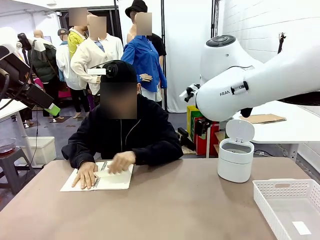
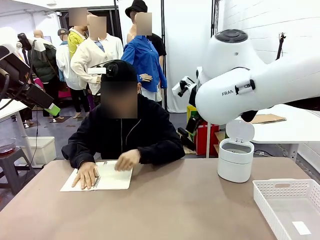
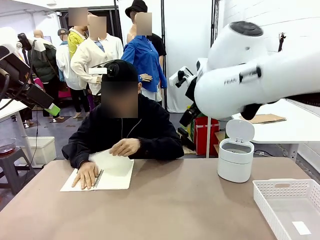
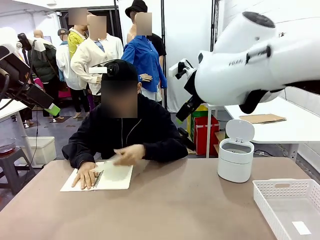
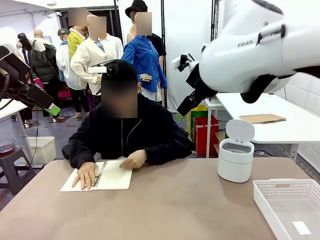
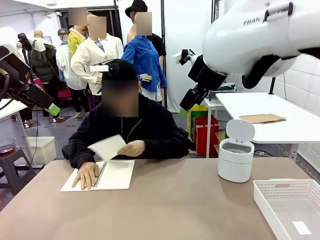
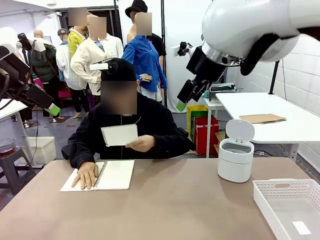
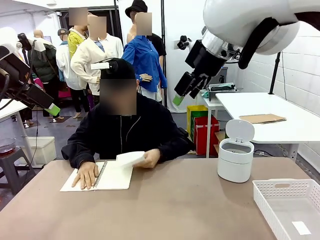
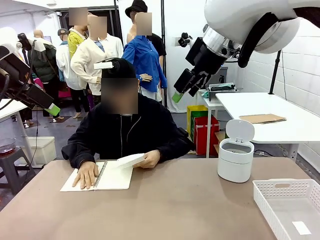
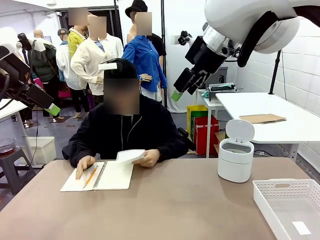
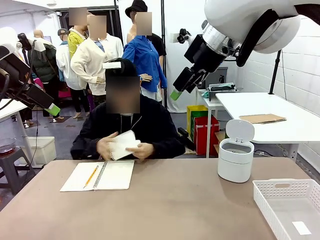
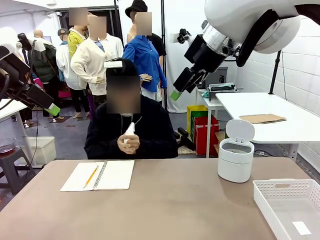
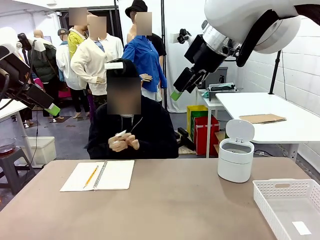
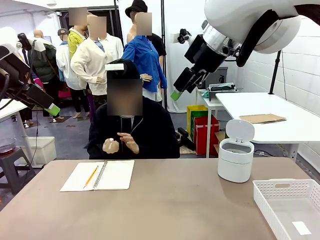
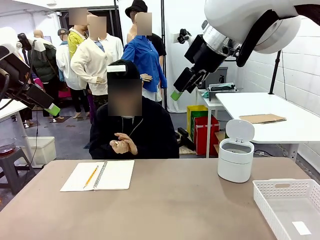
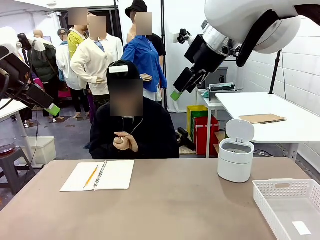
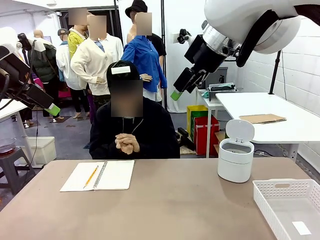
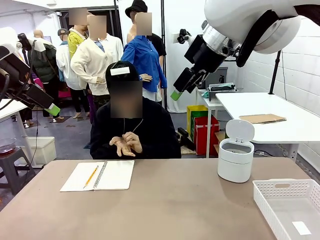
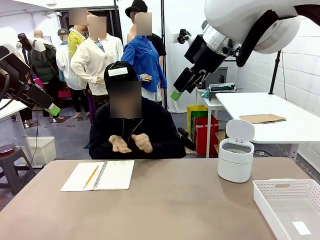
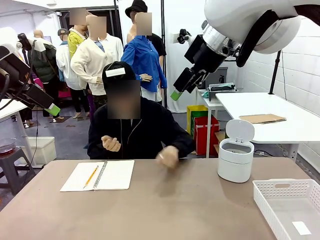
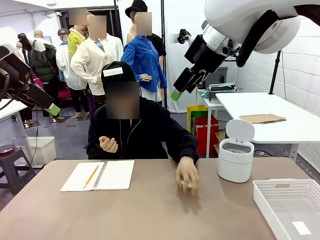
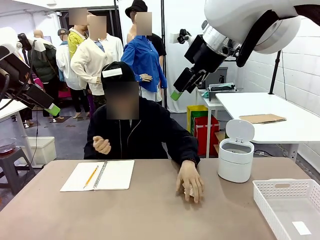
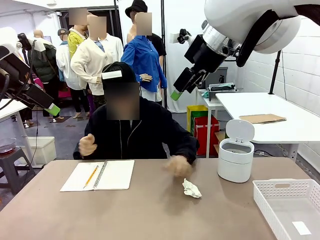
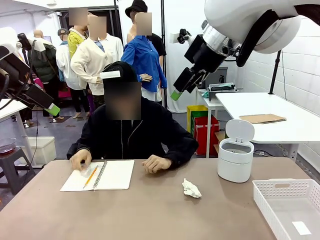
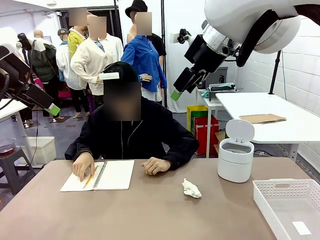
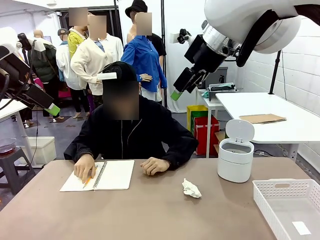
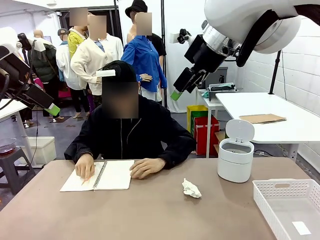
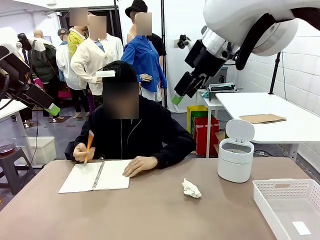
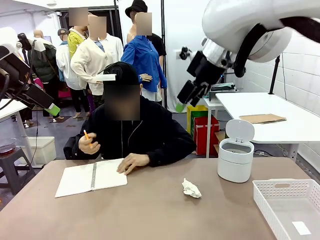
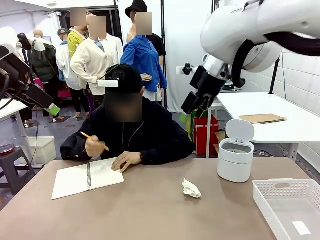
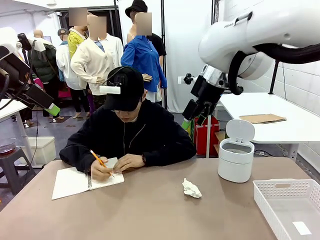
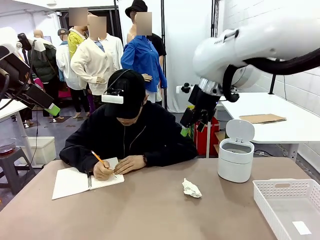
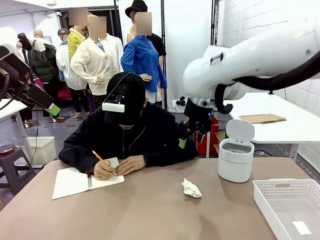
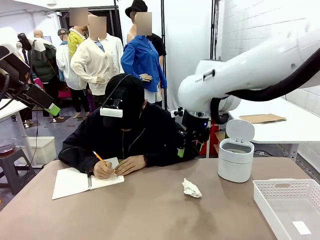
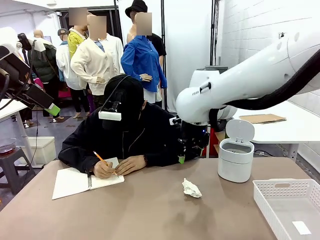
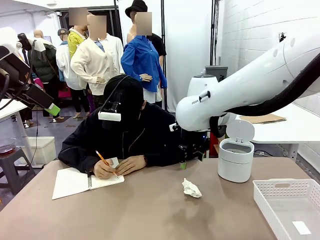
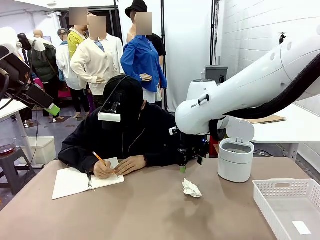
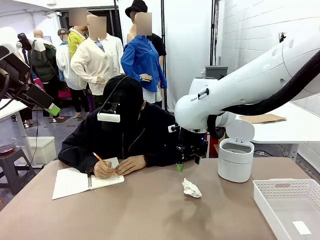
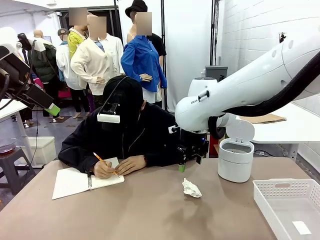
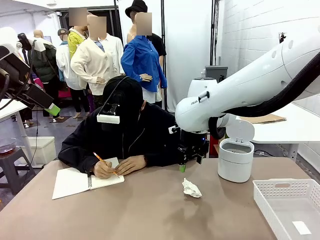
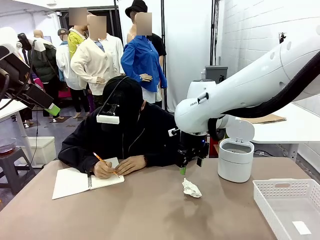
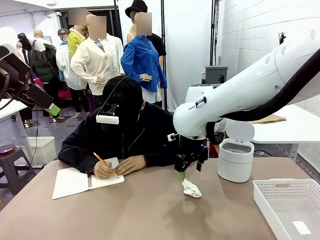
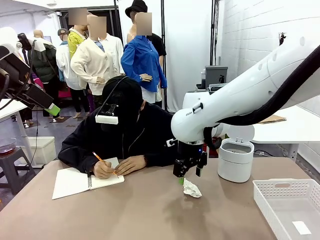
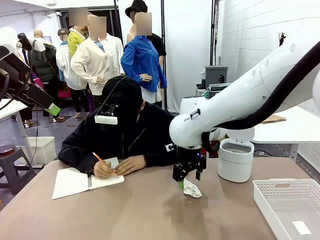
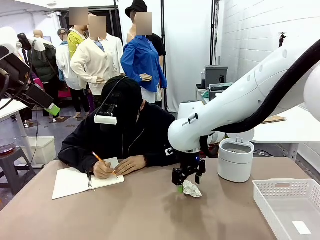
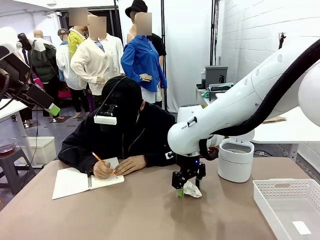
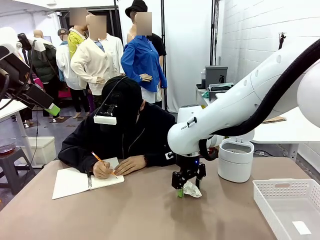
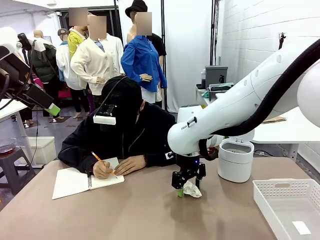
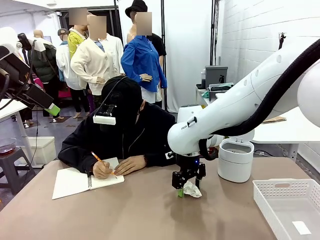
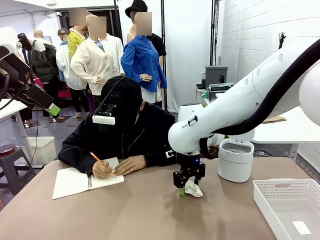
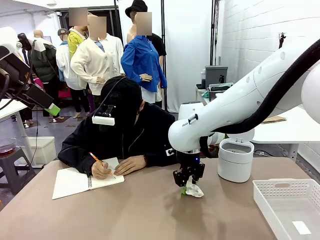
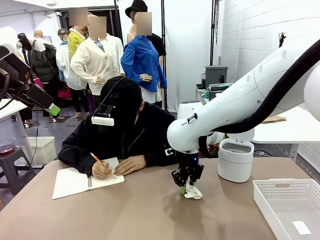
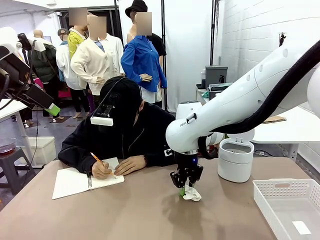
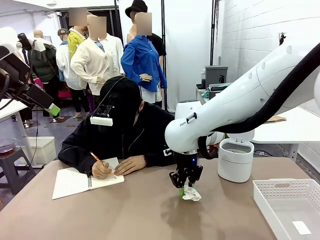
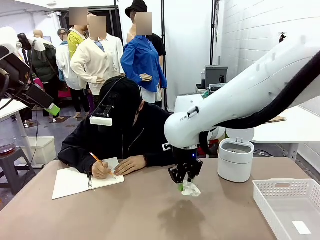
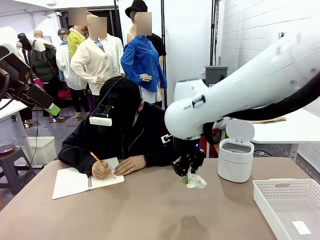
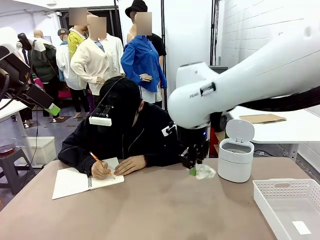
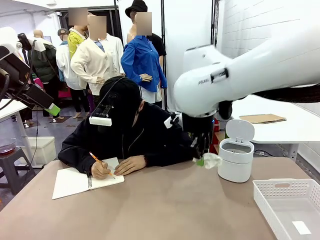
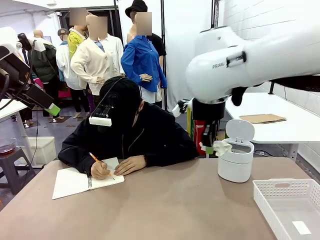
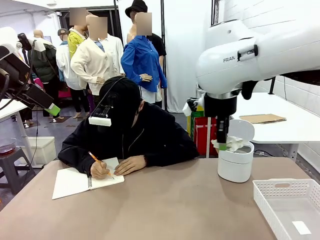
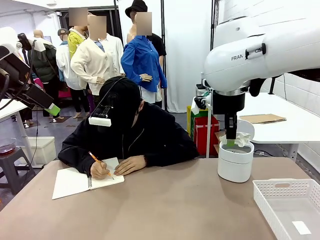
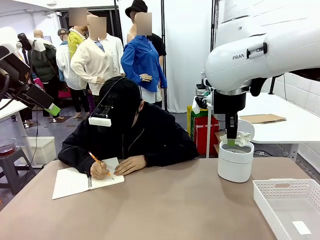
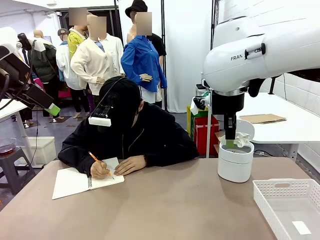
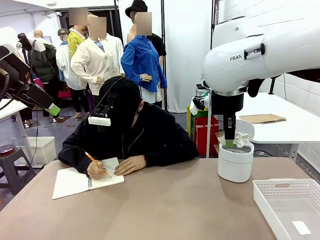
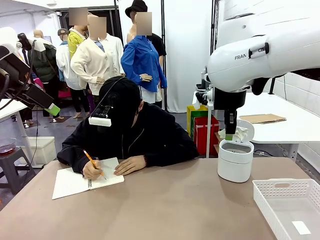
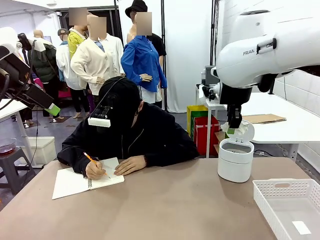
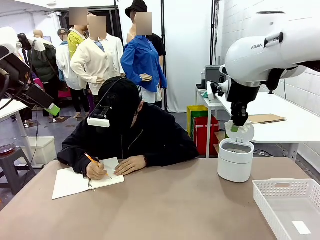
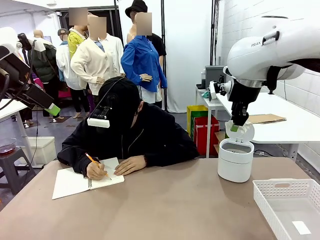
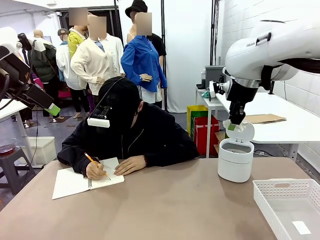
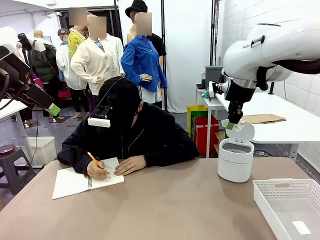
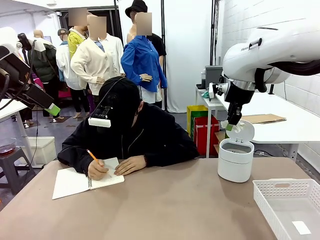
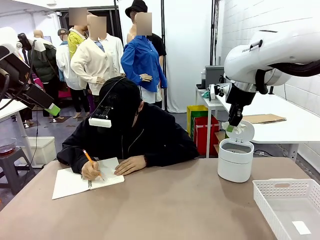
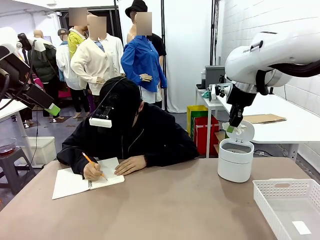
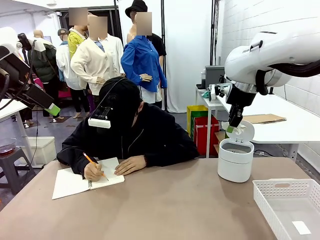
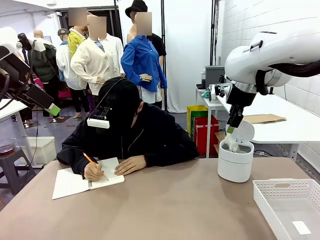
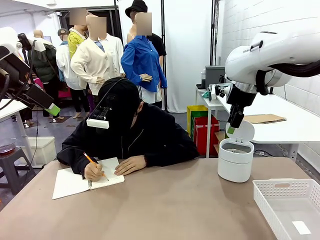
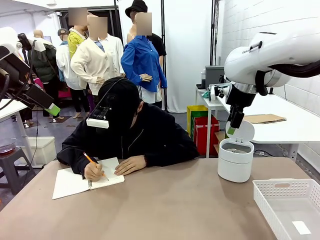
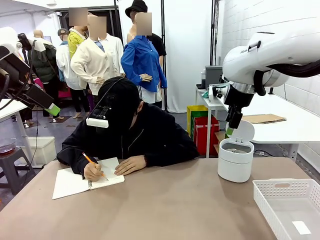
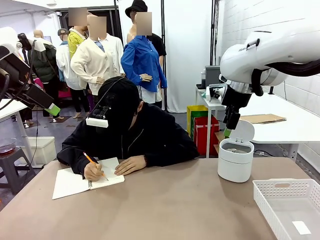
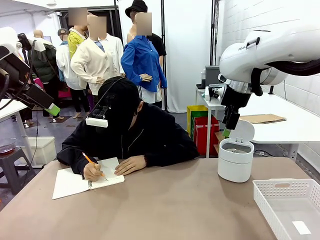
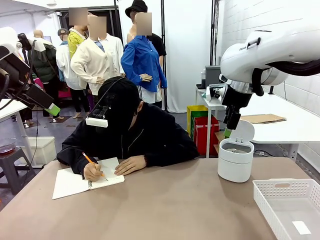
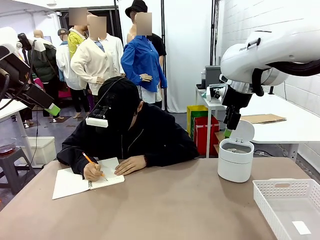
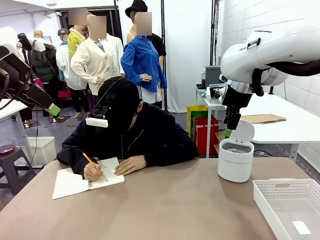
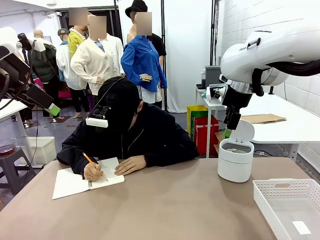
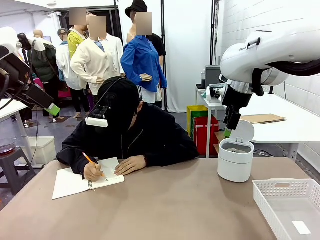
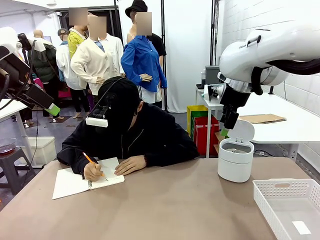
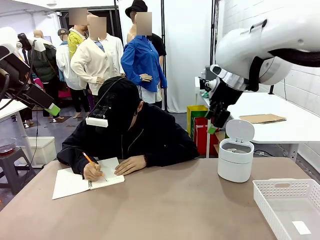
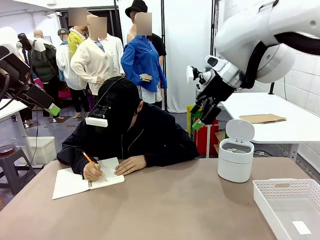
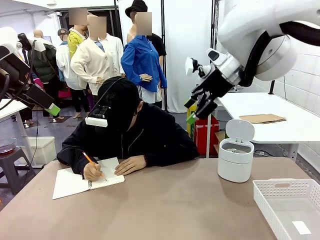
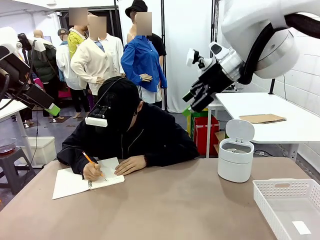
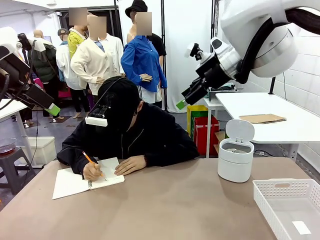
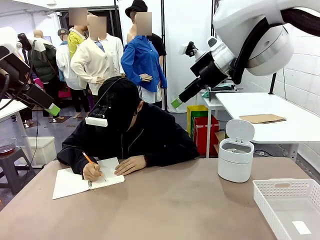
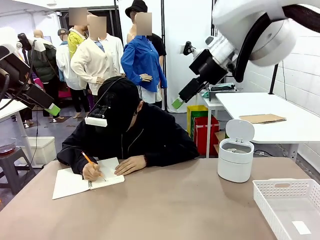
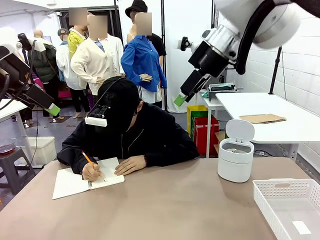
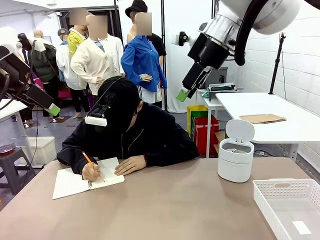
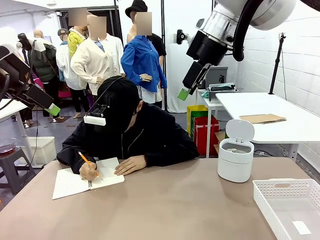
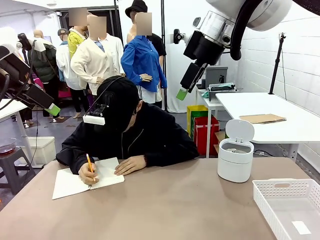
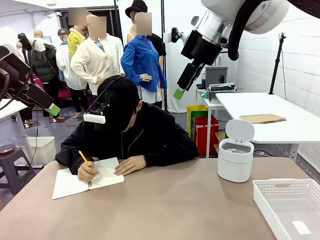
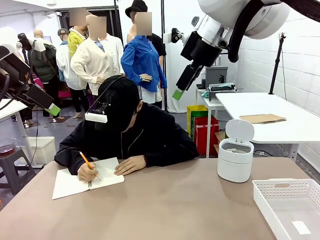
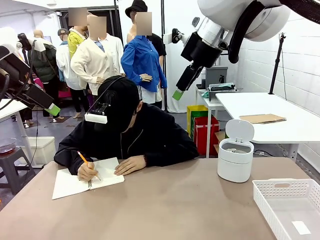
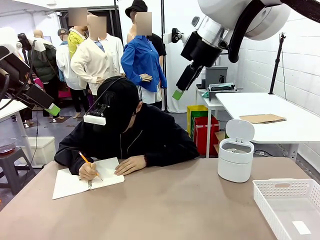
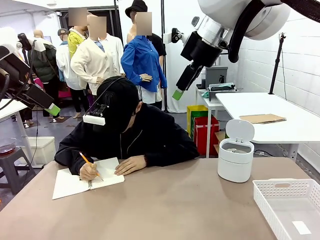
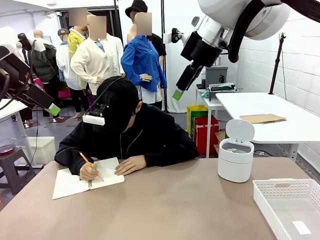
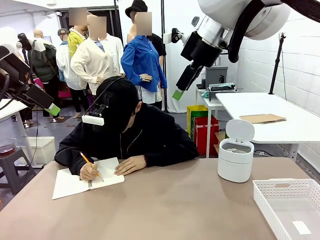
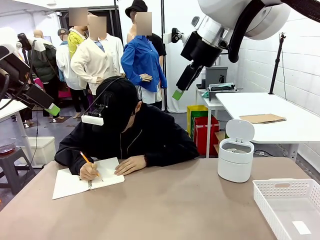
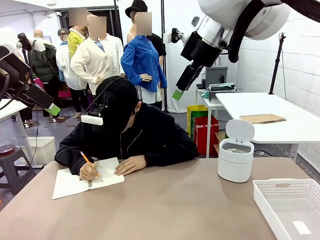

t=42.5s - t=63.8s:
Task: Sort the paper based on its condition.
Robot: If a person hands you a paper, place it in the Organizing basket , and if it's crumpled, put it in the Trash can.
Person: Hand the torn page to the robot or crumple it and throw it to the center of the table.
